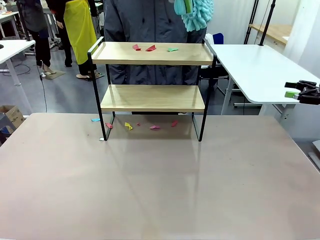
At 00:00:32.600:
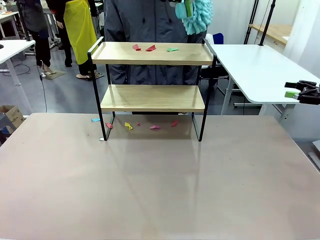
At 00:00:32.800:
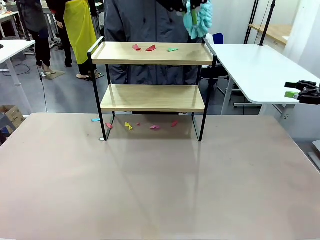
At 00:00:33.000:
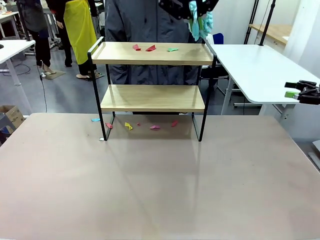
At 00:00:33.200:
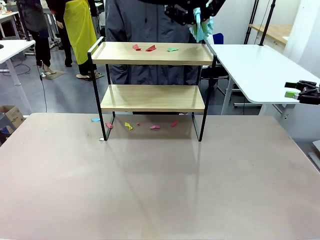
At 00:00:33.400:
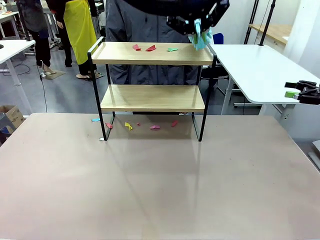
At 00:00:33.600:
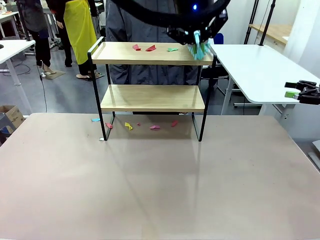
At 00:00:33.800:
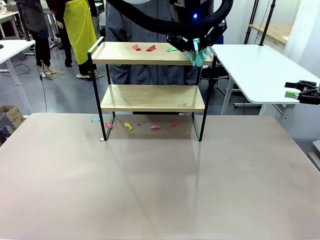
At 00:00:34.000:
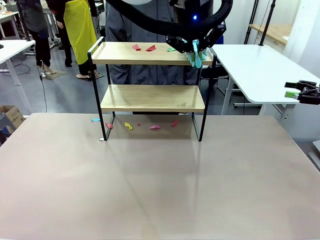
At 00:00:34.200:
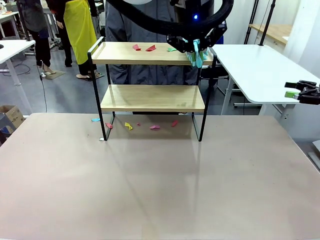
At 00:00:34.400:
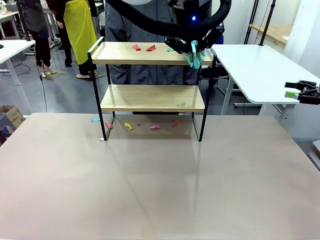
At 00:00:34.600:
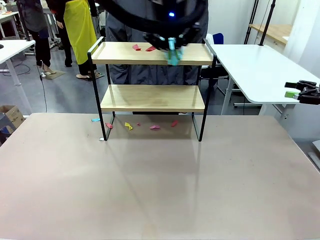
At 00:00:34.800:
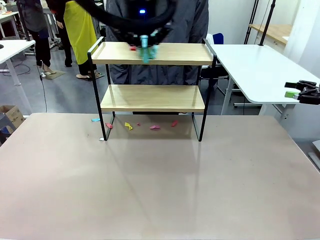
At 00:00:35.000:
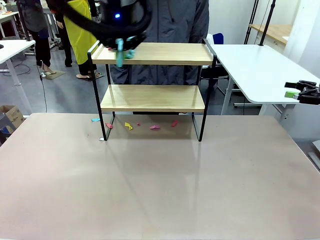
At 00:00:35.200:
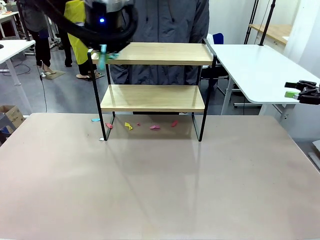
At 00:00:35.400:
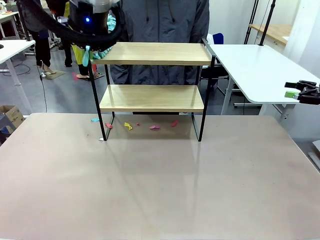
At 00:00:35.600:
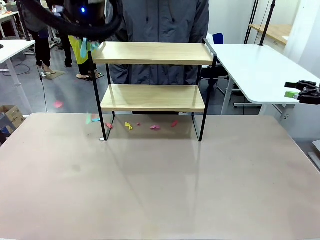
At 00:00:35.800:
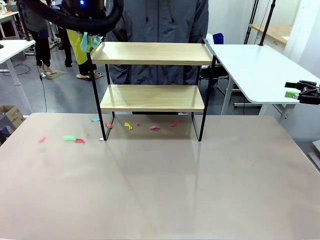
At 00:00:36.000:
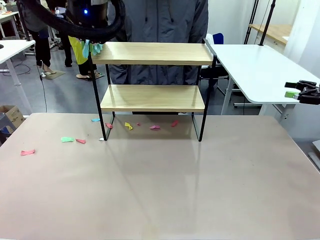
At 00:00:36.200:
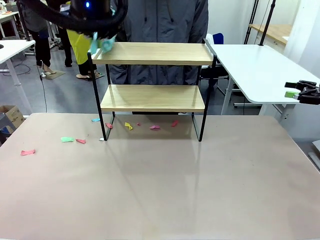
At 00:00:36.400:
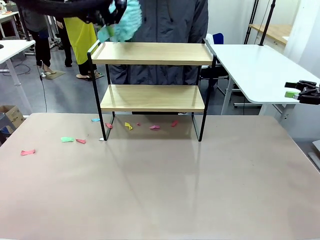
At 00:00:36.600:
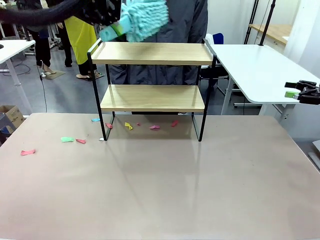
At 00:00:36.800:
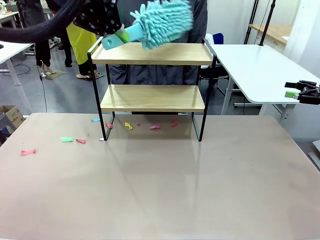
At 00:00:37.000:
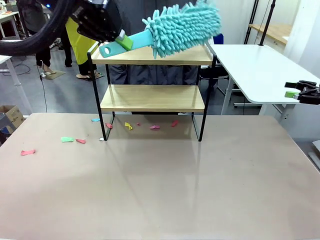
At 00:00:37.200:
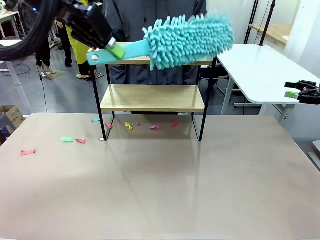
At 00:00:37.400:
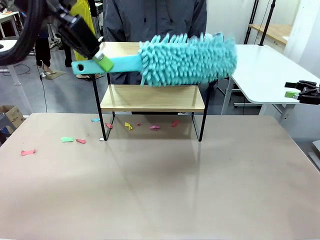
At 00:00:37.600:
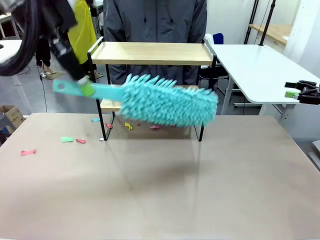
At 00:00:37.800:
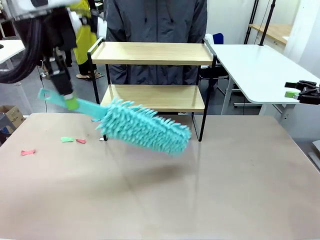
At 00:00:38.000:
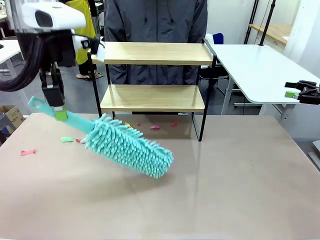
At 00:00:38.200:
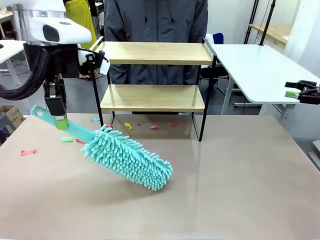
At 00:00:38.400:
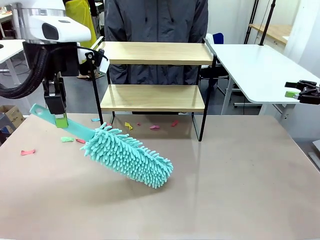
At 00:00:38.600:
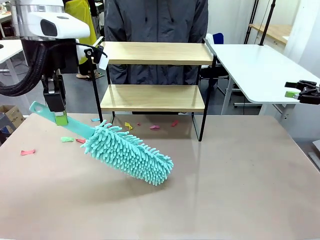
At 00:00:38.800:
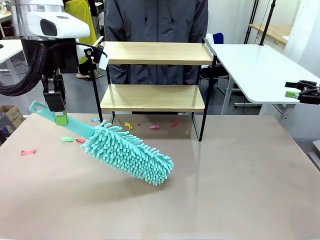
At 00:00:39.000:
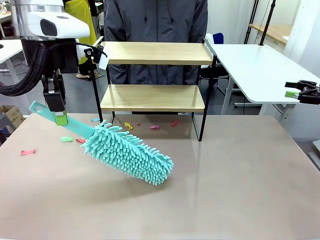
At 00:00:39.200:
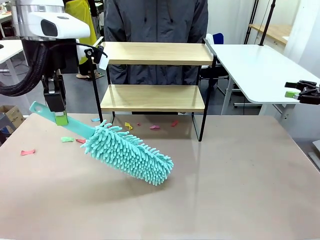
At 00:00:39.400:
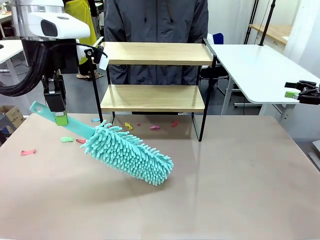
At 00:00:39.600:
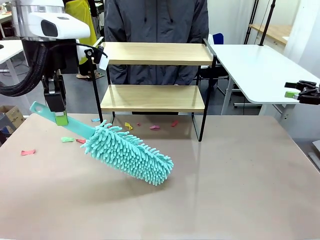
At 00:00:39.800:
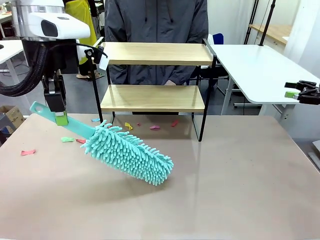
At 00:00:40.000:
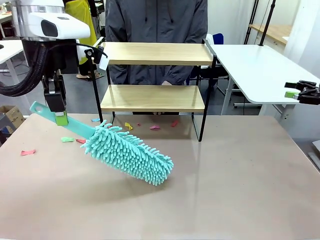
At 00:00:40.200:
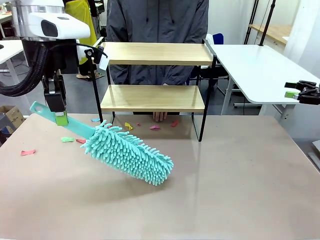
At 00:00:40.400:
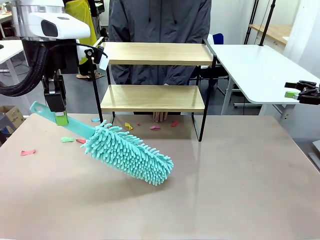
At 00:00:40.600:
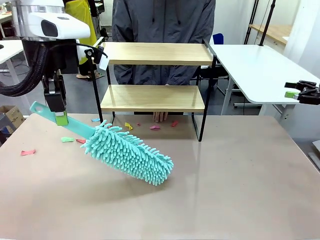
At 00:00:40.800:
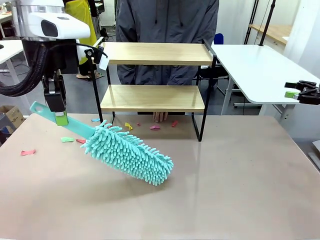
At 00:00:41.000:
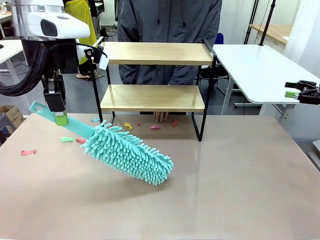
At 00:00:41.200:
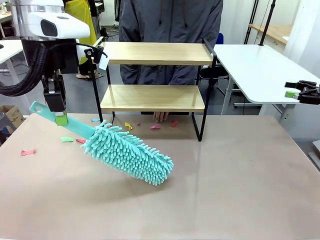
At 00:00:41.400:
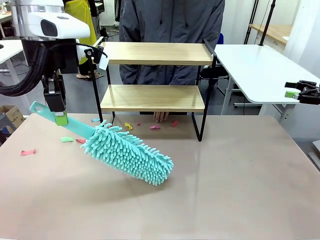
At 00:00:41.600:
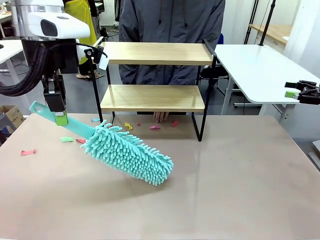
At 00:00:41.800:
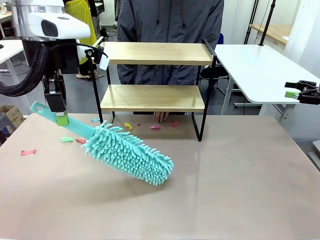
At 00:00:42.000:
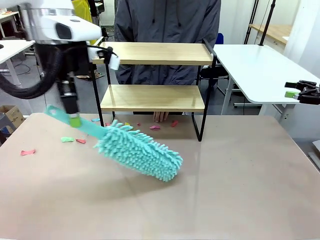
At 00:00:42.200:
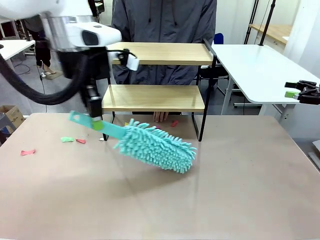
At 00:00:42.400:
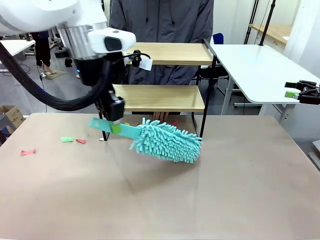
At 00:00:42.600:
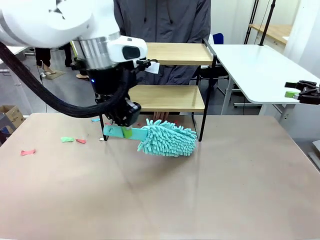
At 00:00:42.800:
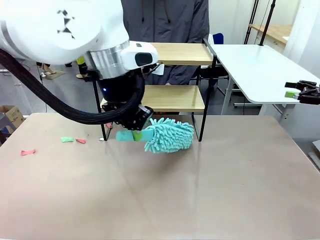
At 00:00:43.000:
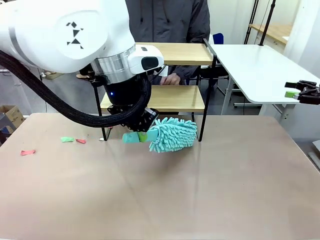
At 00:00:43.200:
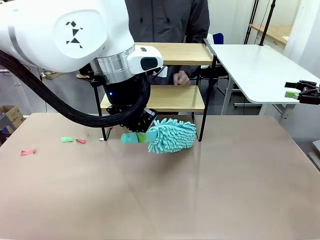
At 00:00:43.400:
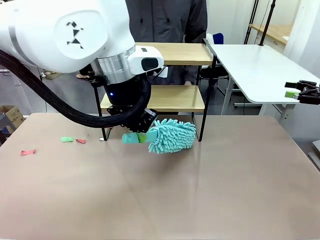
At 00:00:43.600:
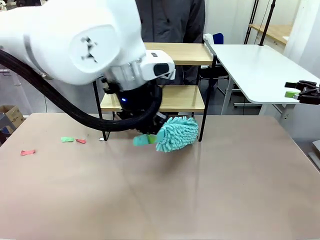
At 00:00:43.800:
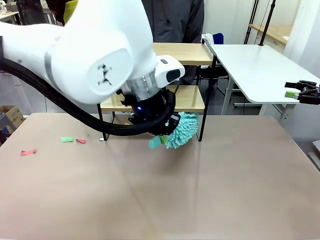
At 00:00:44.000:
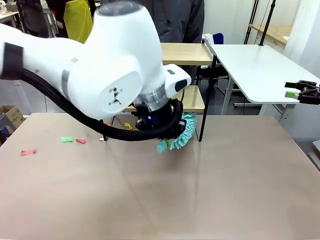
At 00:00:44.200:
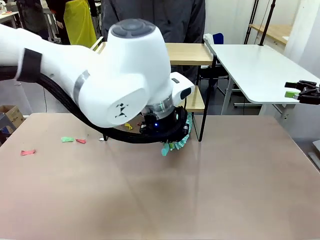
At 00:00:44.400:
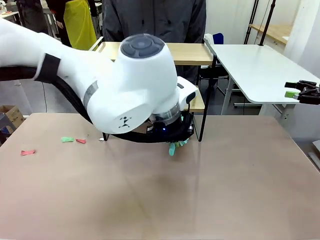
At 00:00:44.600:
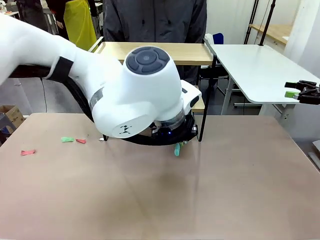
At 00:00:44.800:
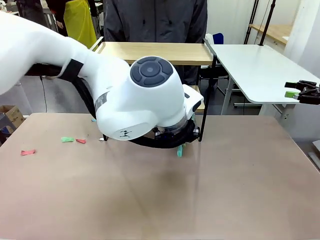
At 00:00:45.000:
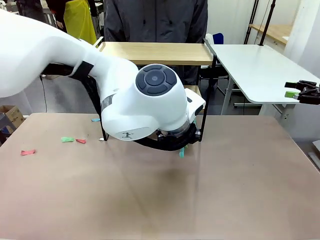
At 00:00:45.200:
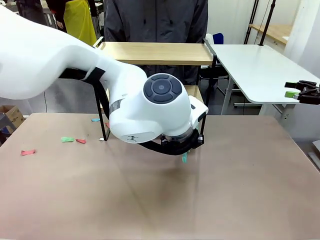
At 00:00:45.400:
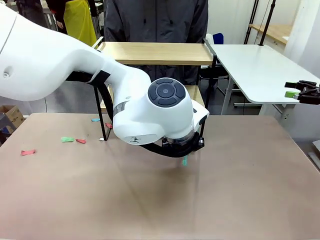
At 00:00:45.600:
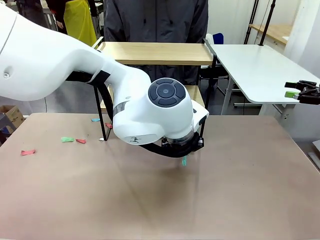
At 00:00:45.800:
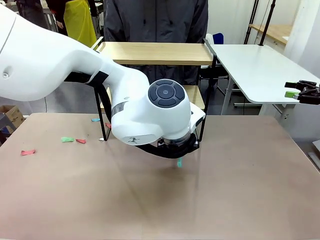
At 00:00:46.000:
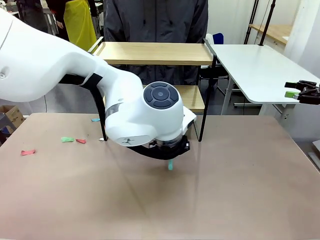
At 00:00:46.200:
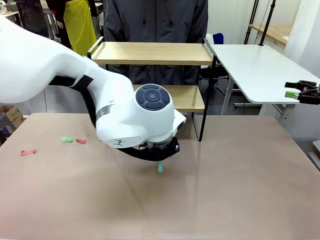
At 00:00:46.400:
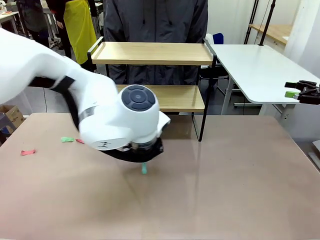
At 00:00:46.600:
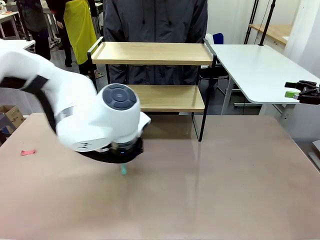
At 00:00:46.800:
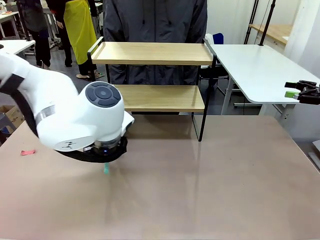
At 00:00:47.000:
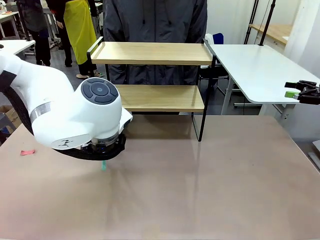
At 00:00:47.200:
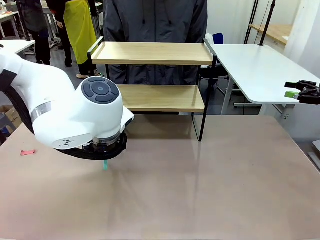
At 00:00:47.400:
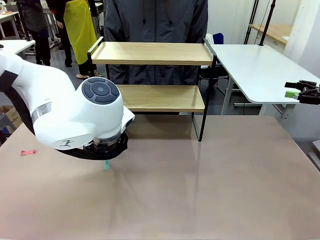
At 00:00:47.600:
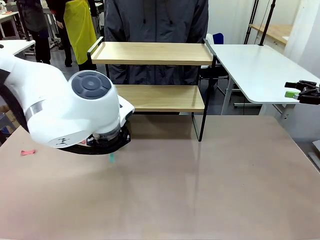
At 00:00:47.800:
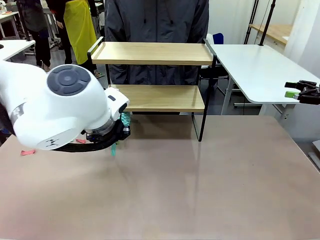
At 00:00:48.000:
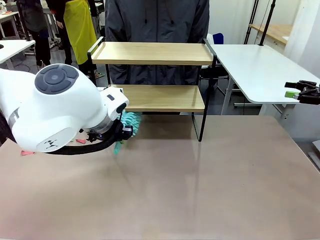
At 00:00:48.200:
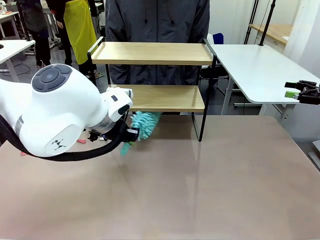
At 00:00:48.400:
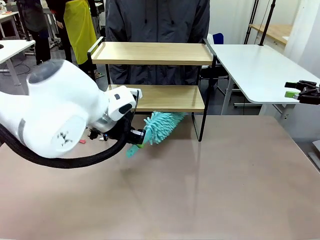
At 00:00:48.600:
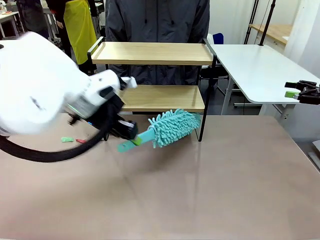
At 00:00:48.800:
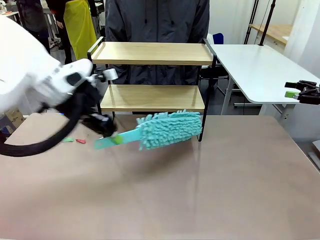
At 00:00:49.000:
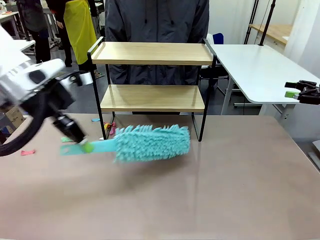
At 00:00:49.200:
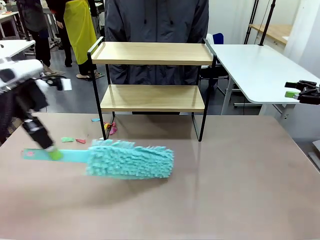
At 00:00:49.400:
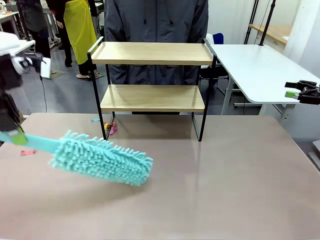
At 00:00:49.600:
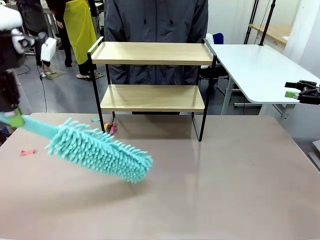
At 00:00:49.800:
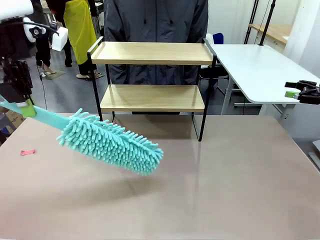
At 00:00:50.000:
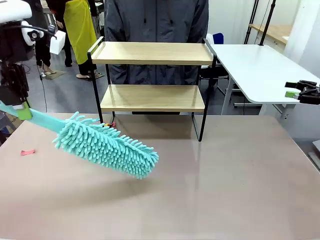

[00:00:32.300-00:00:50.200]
Task: Clean the shelf.
Robot: Clean the specific section of the Shelf indicated by the human with the Duster.
Person: Point a remaining section of the Shelf.
